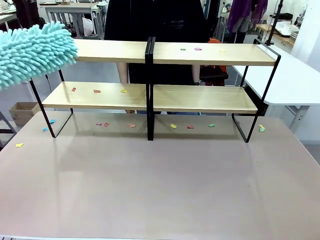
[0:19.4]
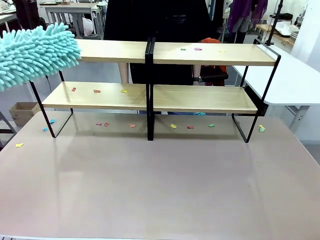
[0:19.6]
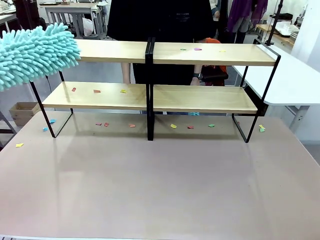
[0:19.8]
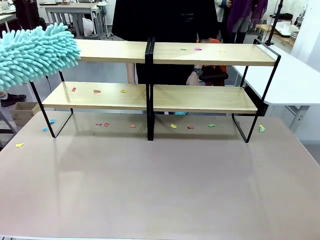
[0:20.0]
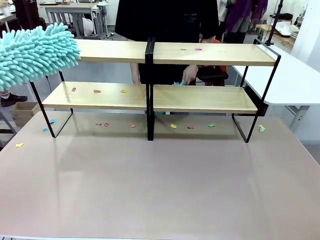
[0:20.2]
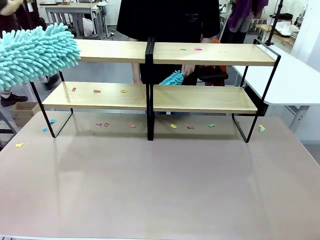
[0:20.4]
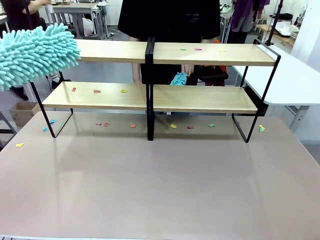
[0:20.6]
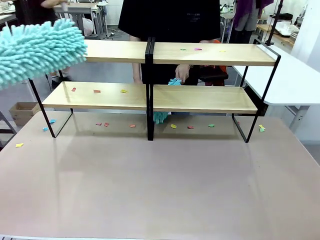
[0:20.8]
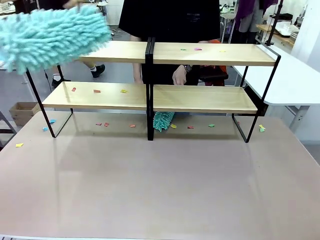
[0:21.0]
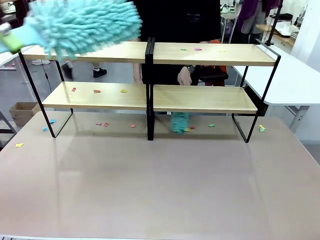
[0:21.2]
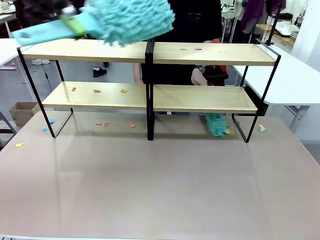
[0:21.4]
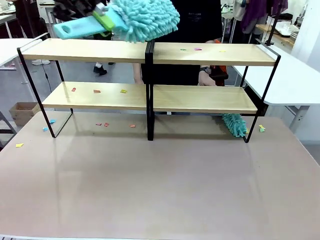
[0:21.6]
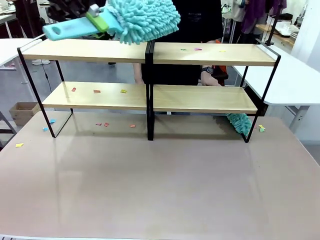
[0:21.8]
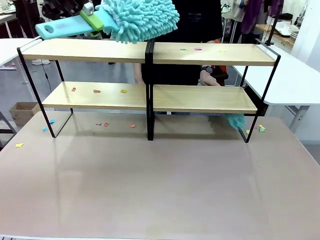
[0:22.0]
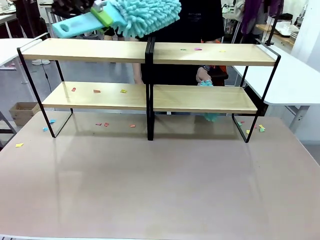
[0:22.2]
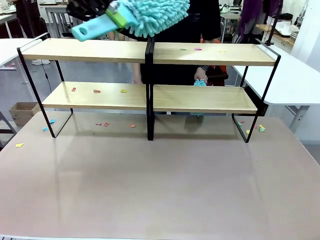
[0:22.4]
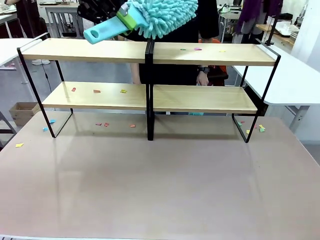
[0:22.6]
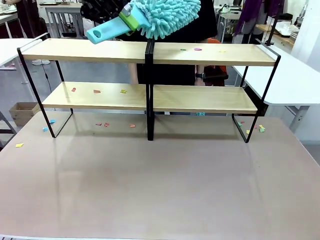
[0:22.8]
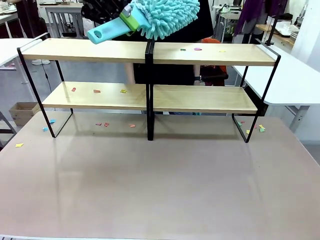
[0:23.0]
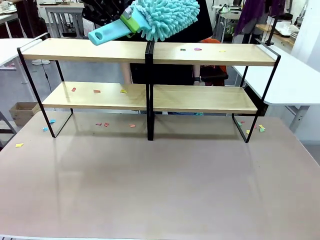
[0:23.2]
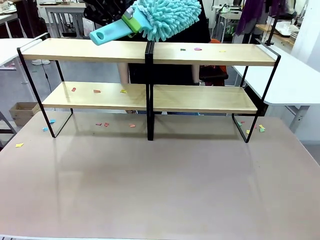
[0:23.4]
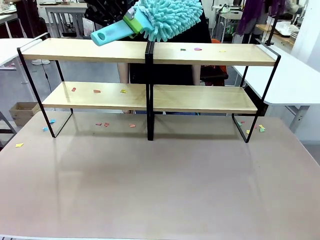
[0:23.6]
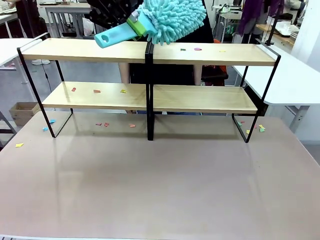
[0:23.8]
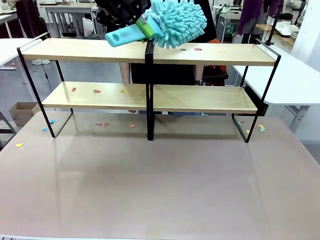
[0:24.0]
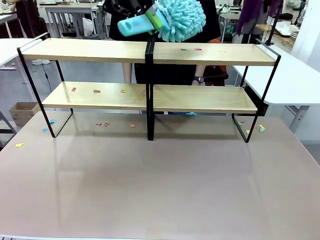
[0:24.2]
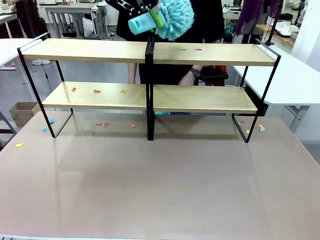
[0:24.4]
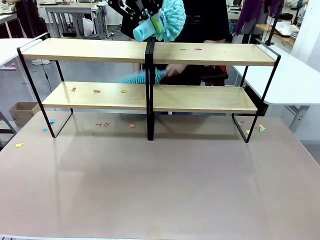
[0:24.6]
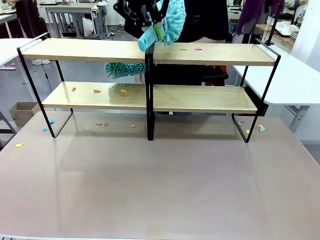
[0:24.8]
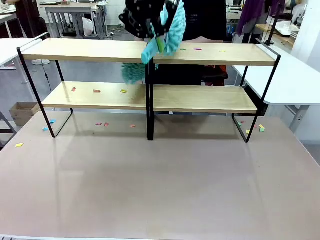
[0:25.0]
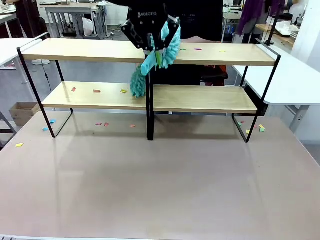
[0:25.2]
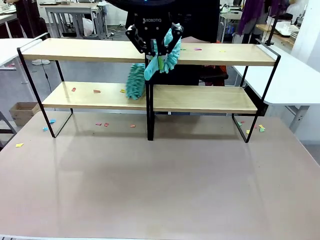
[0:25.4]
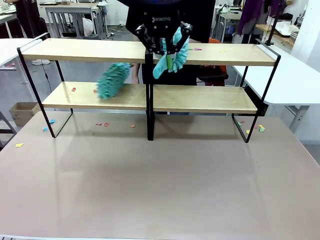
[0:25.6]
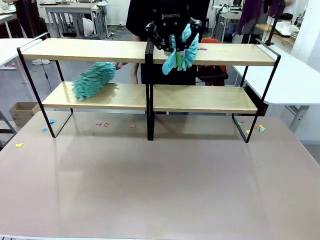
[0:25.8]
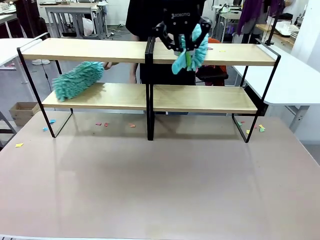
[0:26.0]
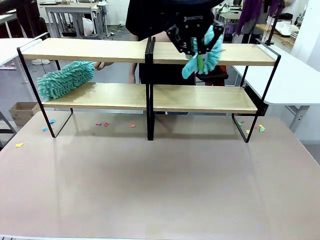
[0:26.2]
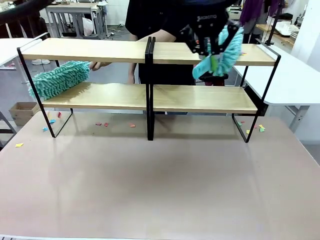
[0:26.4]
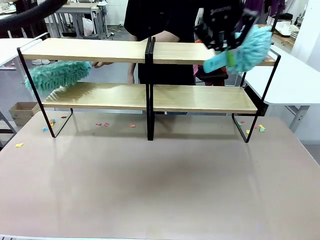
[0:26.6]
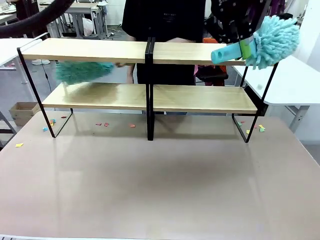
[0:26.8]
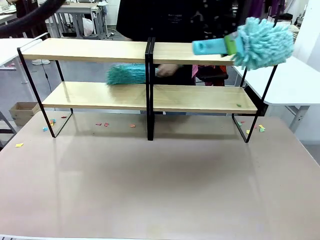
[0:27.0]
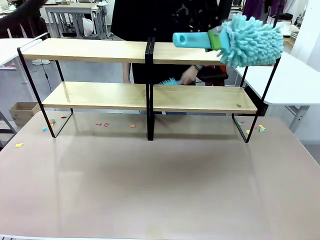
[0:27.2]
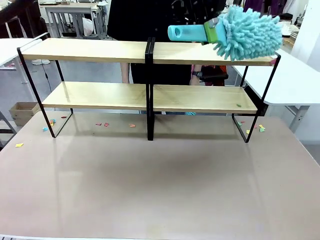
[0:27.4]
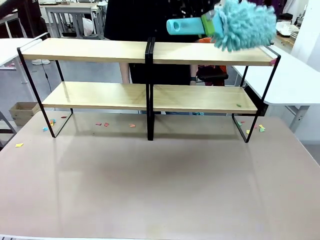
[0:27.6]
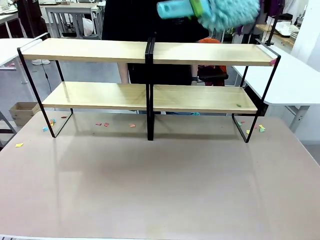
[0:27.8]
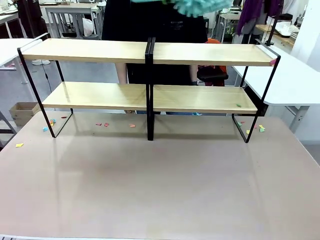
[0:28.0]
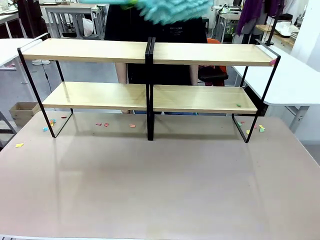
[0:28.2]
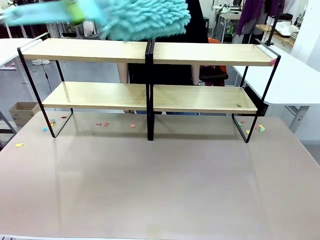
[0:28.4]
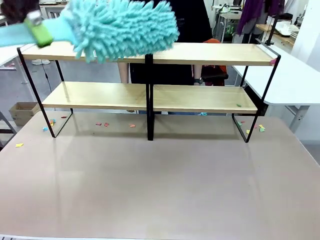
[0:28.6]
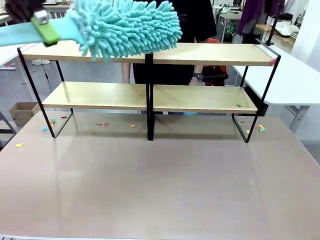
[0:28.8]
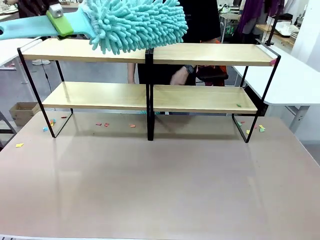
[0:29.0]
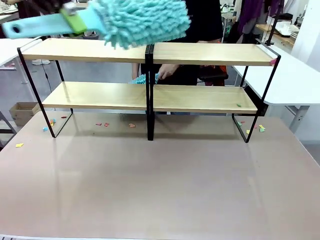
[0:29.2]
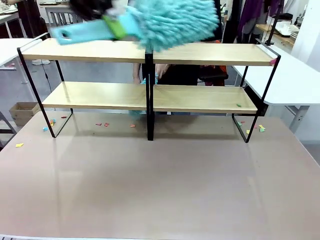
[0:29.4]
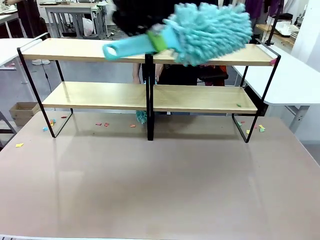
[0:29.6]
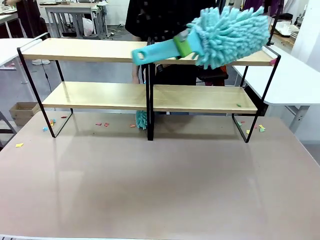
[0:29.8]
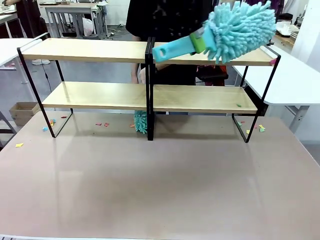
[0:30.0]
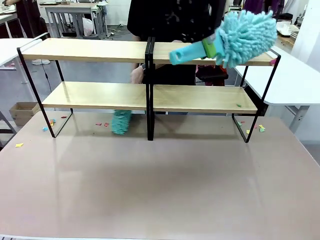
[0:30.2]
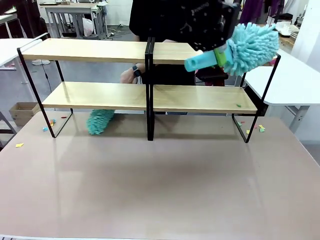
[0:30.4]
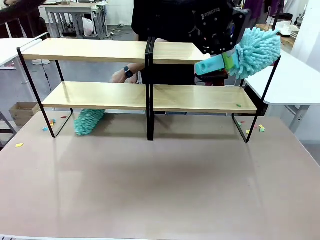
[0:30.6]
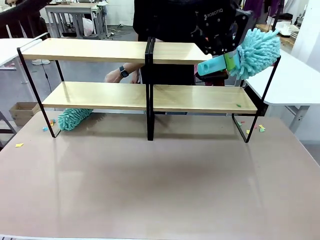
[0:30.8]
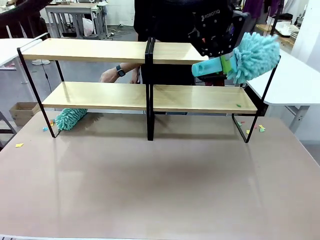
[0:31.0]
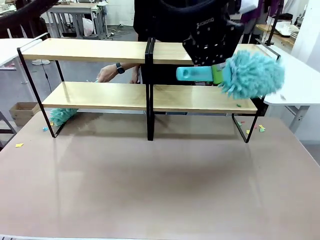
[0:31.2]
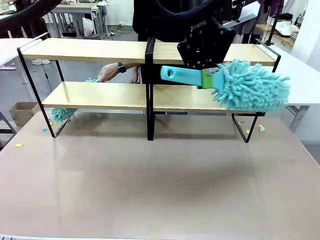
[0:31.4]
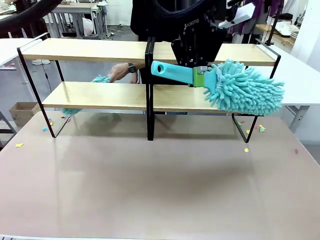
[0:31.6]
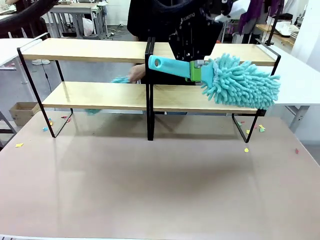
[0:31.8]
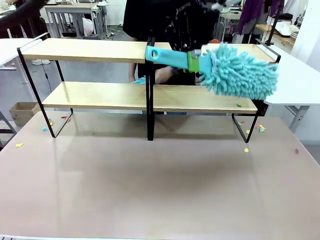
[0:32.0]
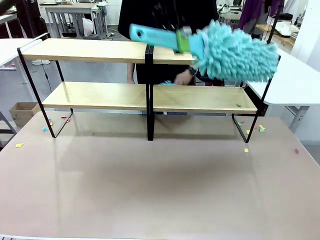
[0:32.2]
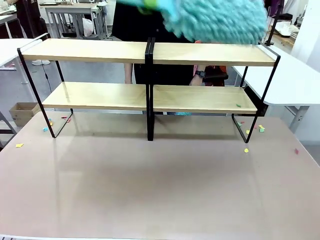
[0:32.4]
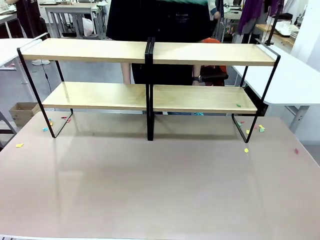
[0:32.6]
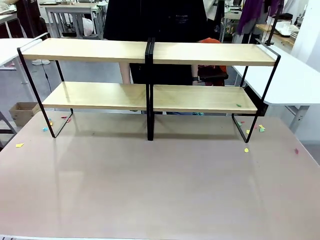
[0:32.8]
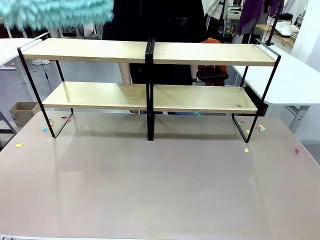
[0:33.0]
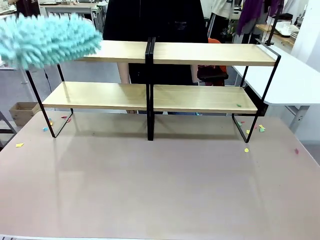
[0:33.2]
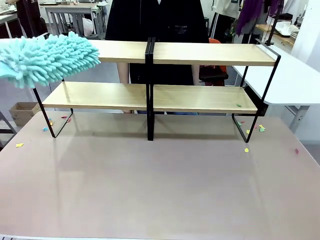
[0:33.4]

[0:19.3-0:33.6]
Task: Clean the shelves.
Robot: Clean another randomly selected level of the Shelf with the Duster.
Person: Clean a randomly selected level of the Shelf with the Duster.

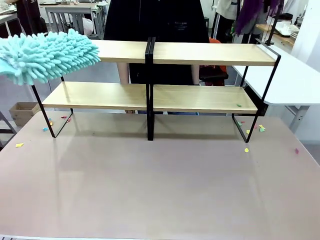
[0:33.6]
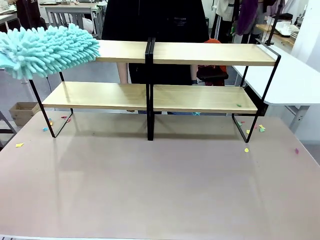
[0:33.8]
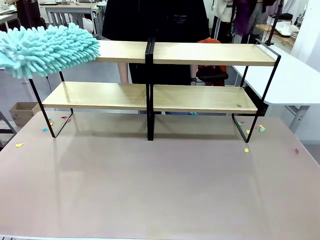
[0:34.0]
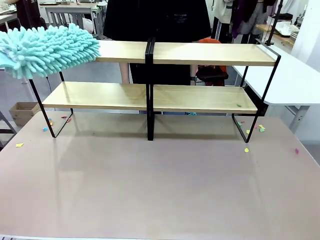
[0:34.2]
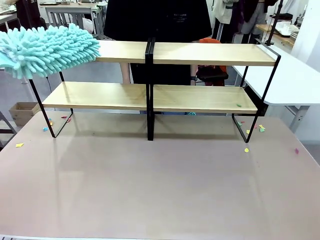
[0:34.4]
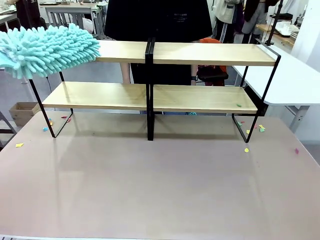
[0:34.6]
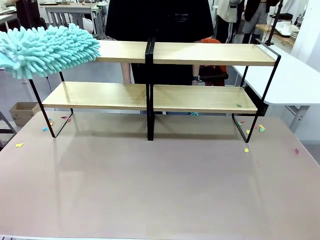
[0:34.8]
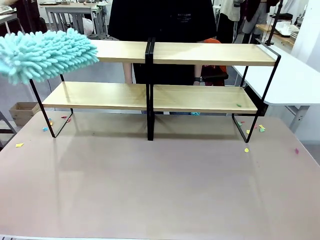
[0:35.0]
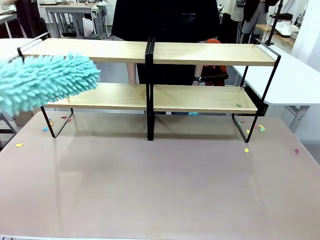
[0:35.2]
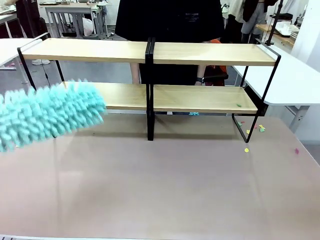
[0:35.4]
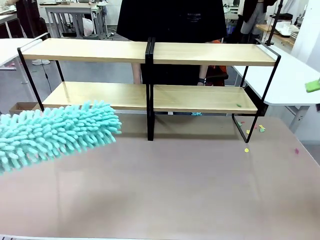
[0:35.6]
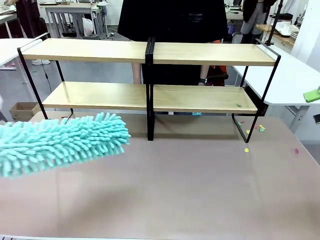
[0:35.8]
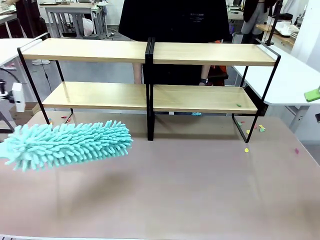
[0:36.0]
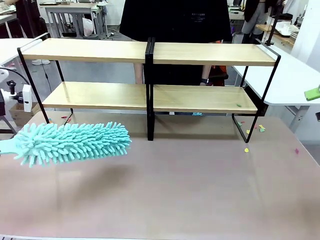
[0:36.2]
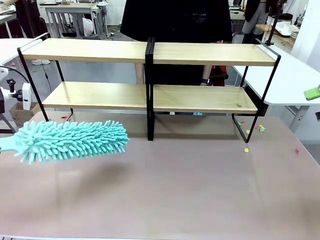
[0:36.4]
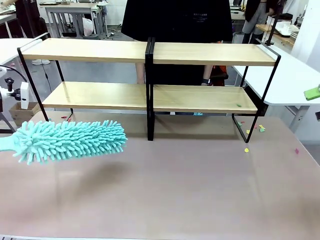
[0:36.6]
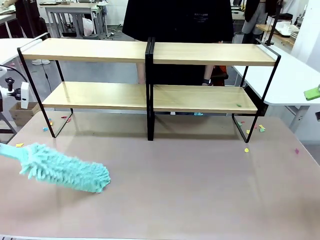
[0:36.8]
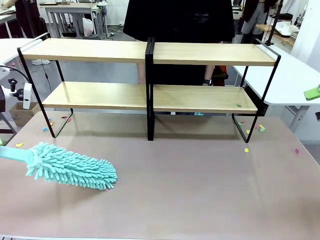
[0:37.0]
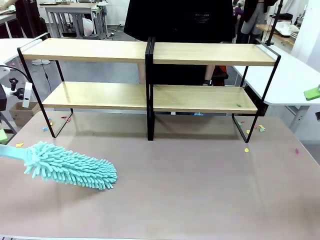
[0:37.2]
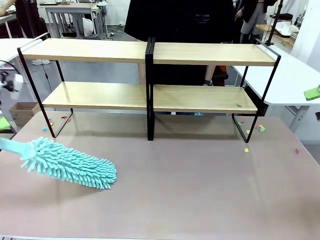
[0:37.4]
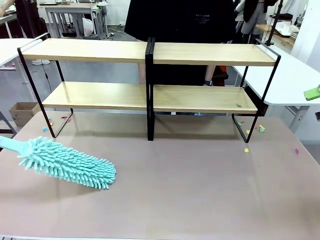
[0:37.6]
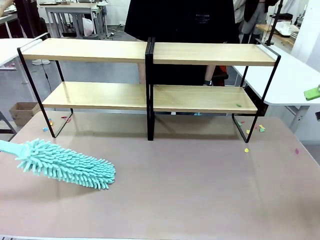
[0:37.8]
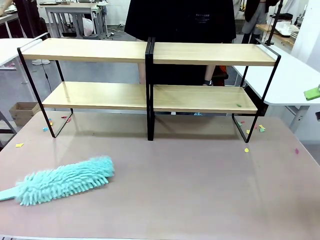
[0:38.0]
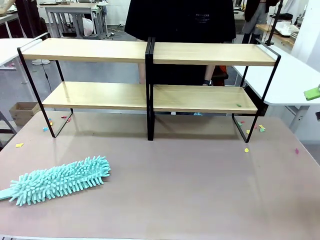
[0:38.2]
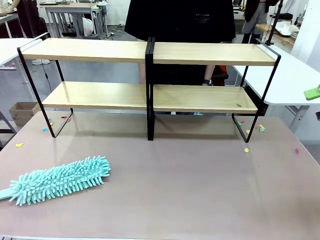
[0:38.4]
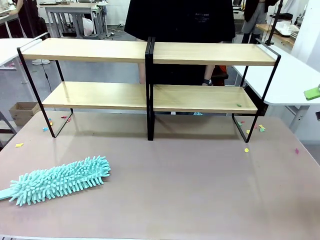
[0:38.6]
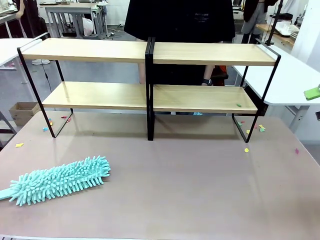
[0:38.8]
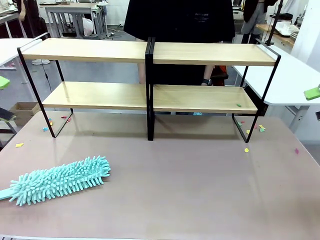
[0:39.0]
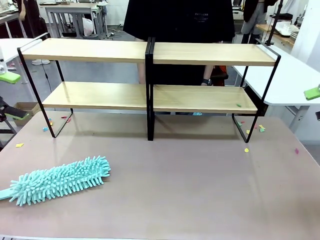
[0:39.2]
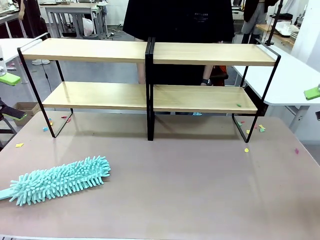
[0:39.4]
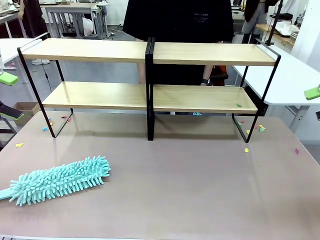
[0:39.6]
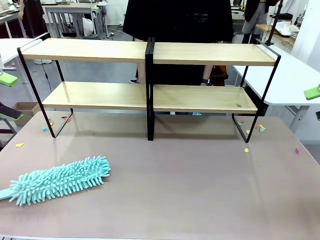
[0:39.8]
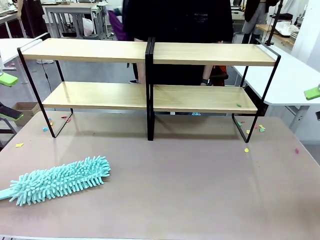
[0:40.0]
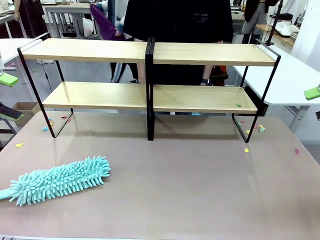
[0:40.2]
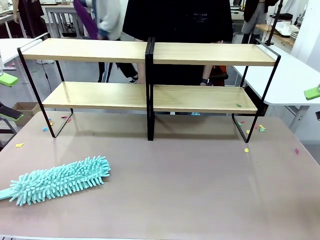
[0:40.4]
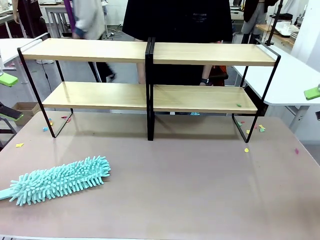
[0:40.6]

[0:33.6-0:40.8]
Robot: Place the Duster on the table.
